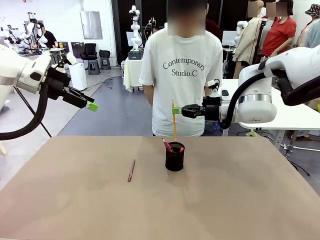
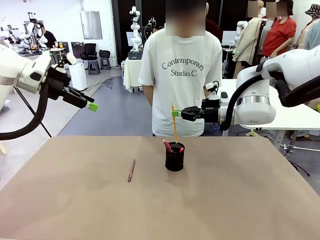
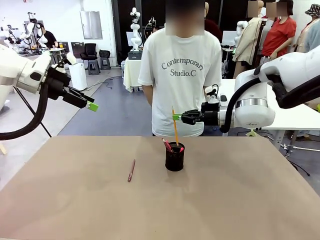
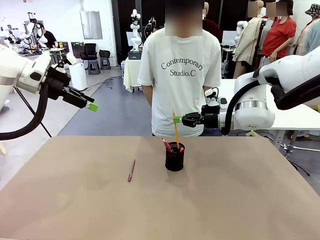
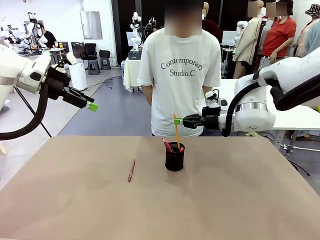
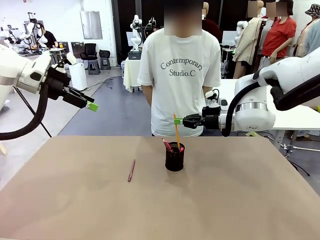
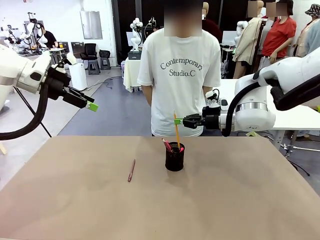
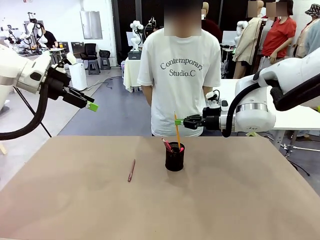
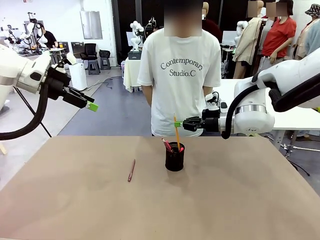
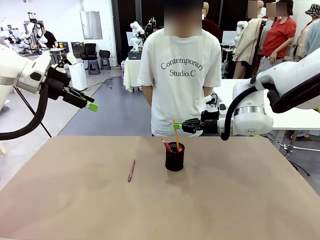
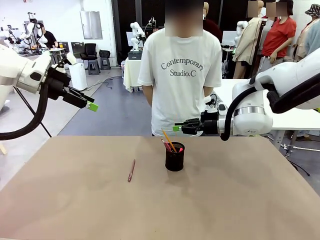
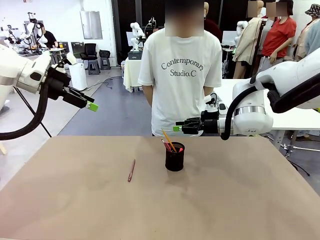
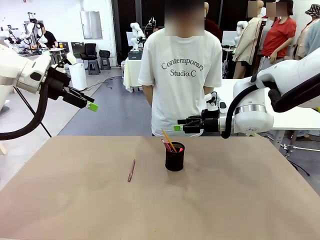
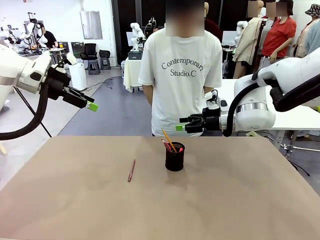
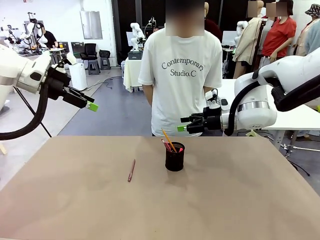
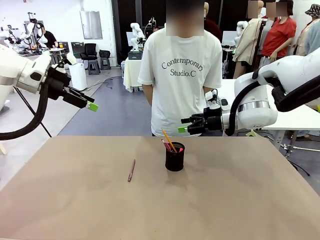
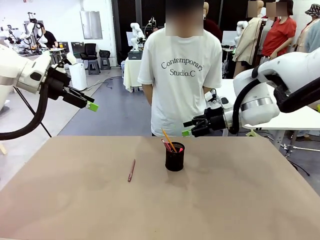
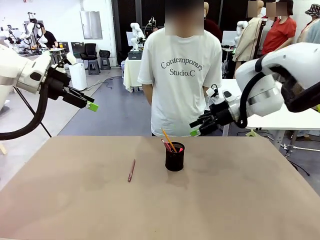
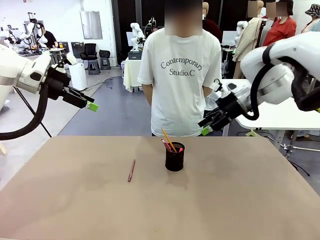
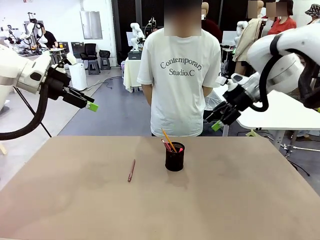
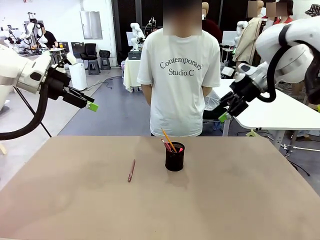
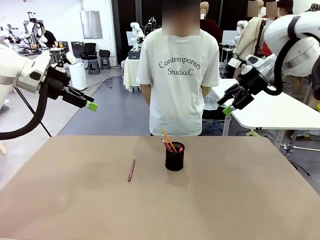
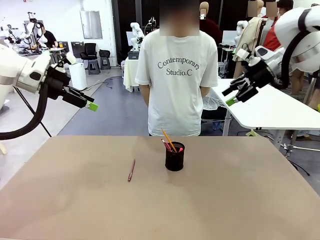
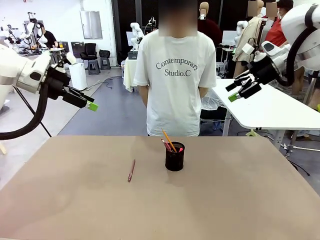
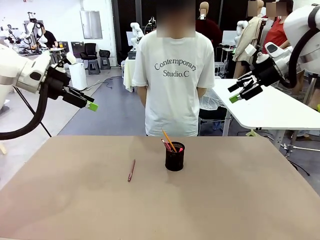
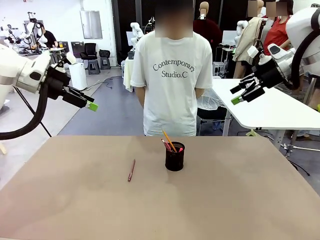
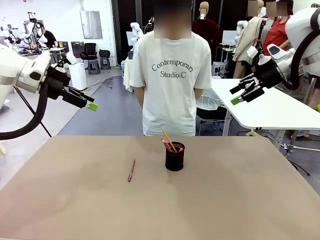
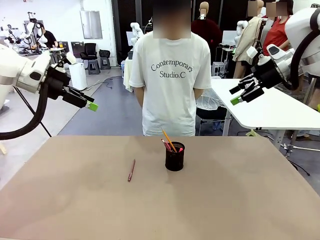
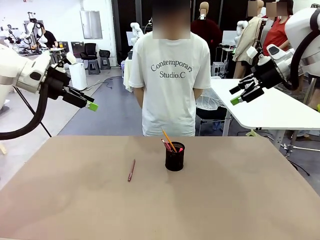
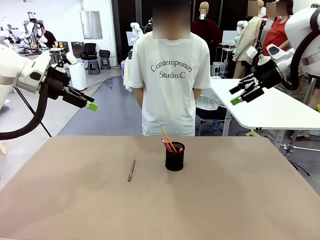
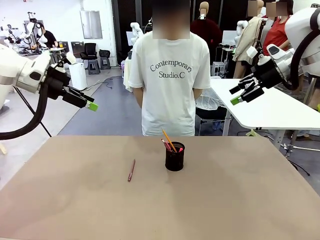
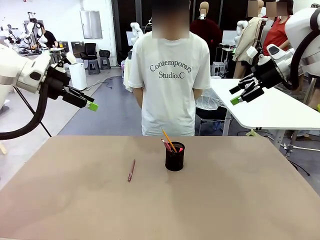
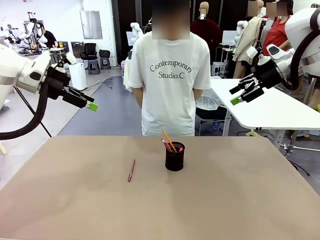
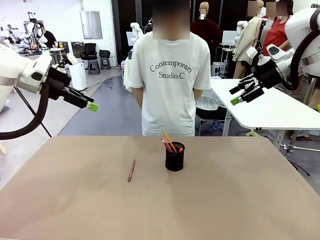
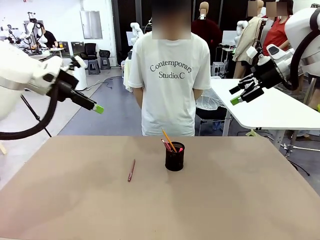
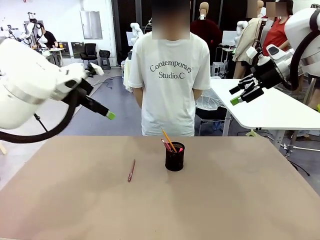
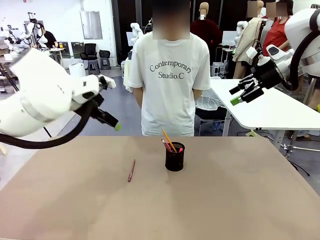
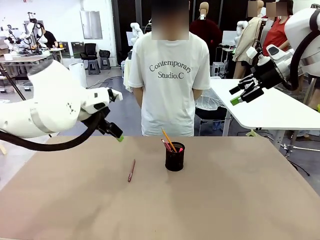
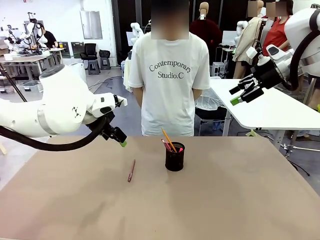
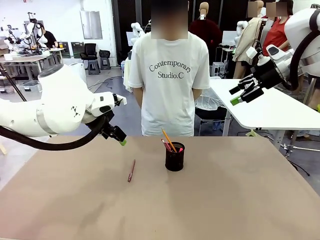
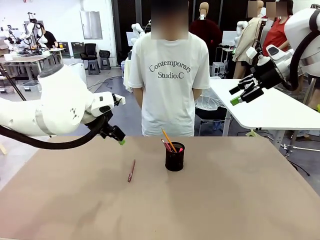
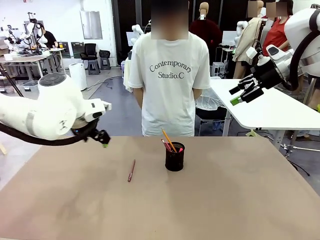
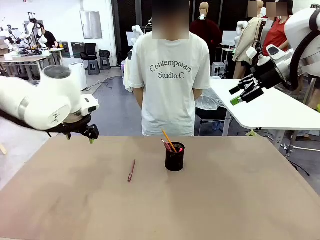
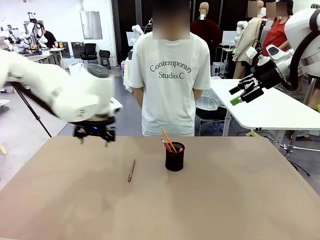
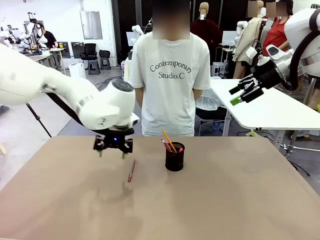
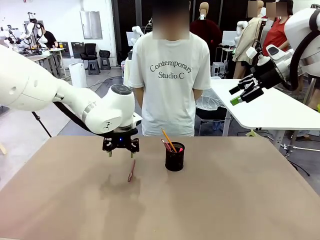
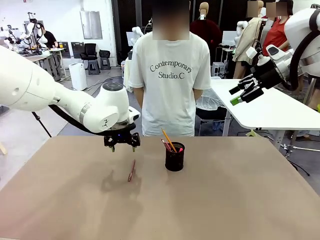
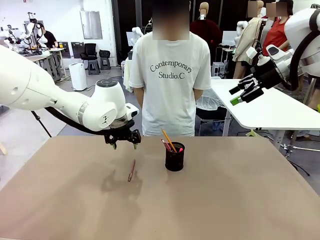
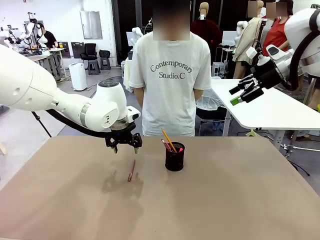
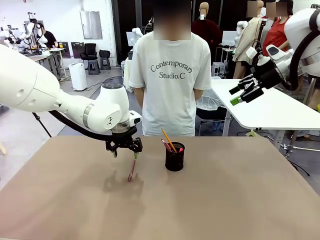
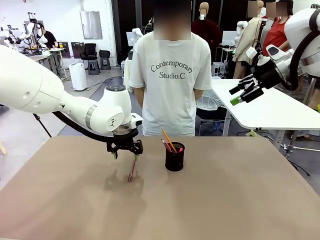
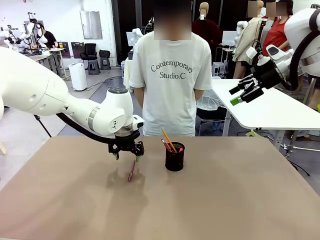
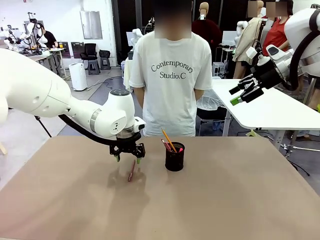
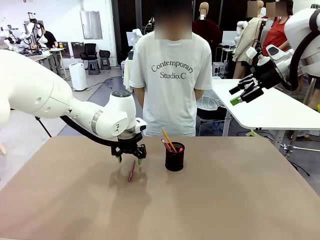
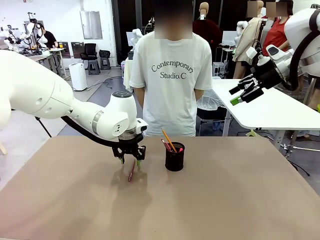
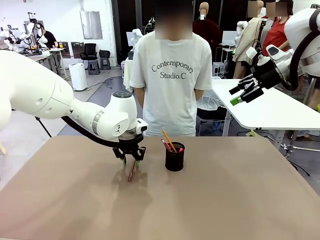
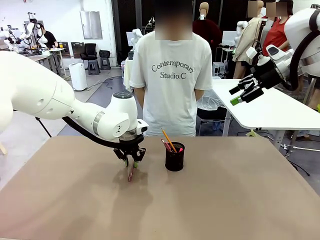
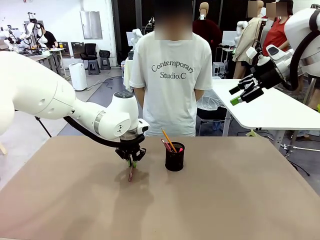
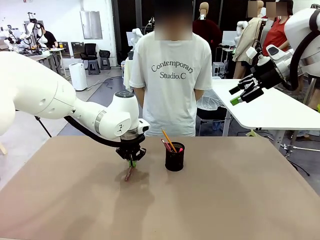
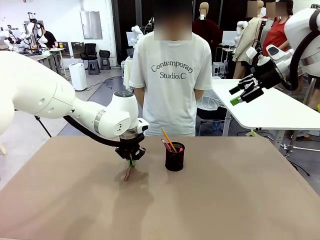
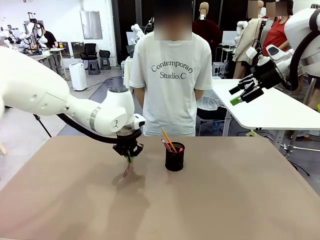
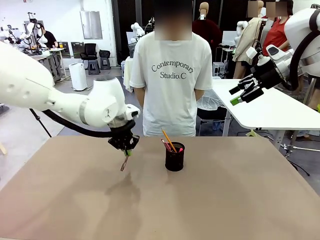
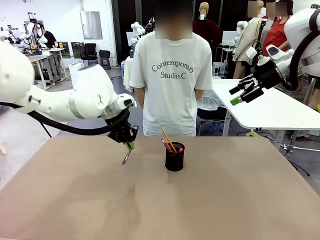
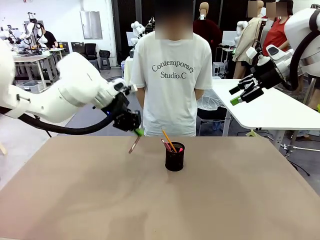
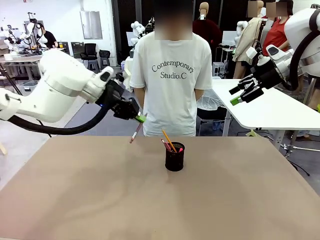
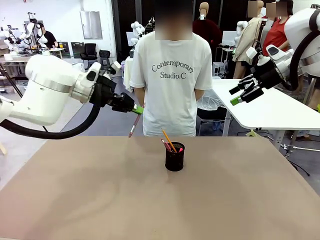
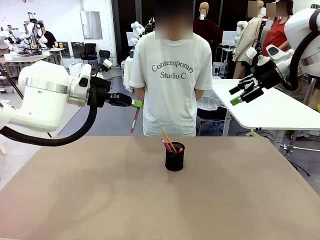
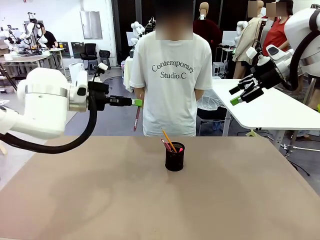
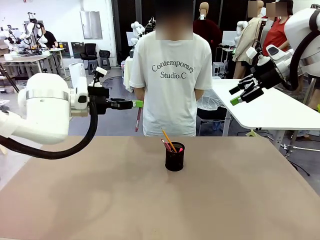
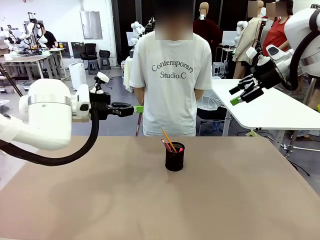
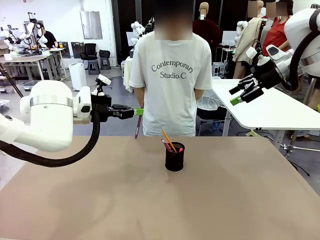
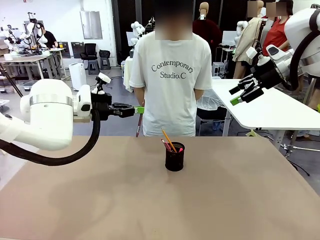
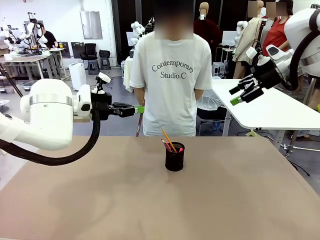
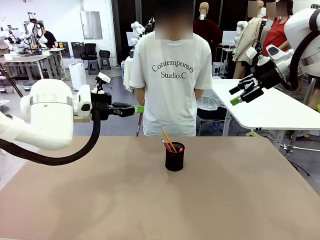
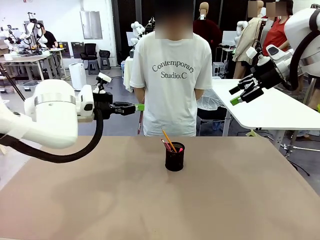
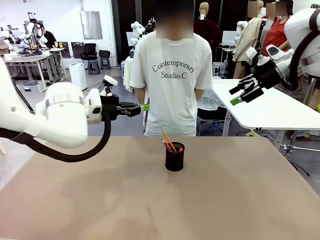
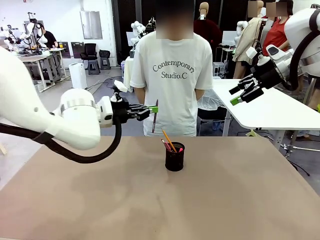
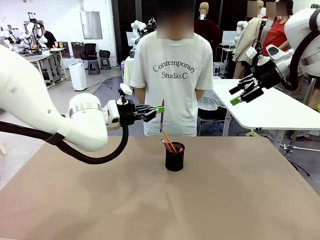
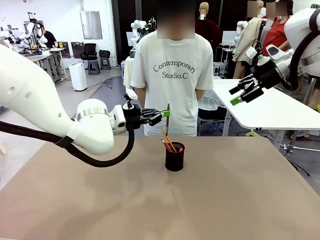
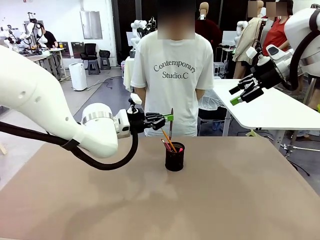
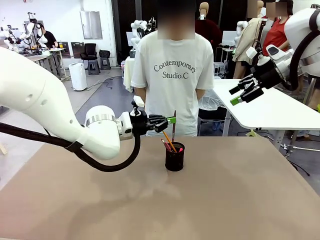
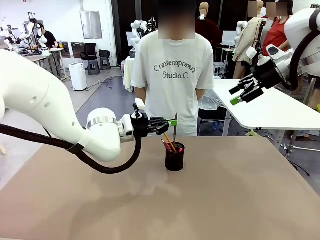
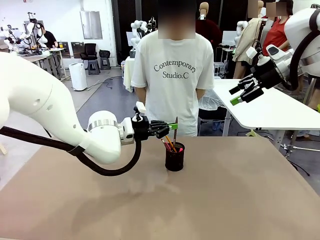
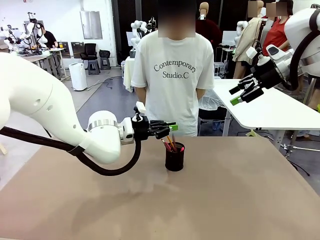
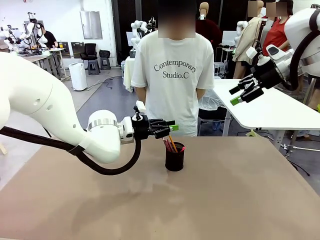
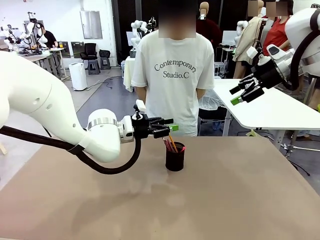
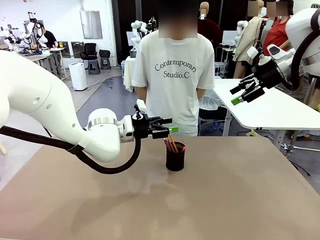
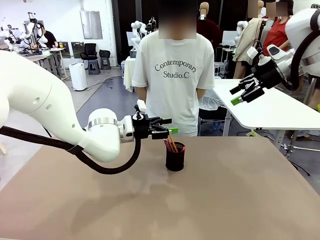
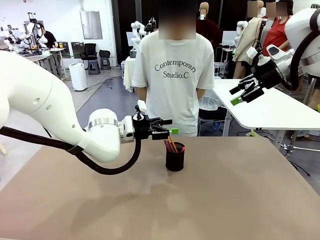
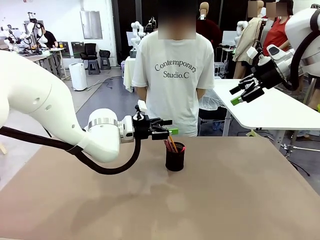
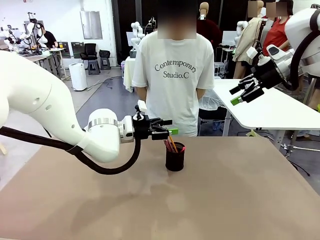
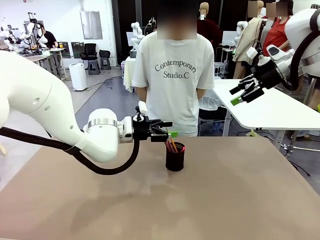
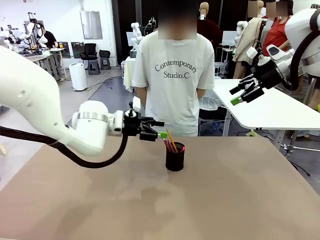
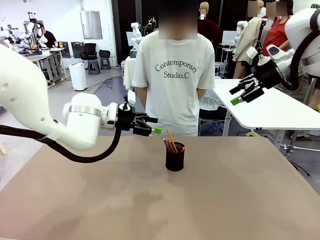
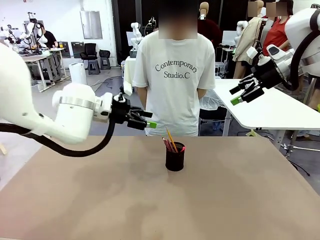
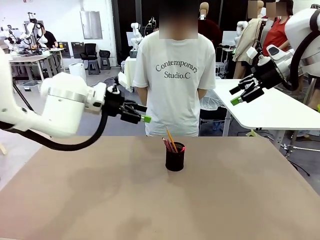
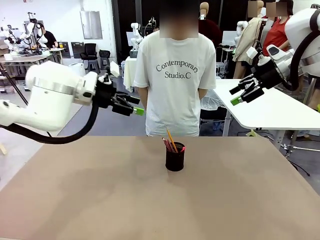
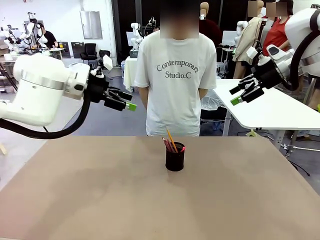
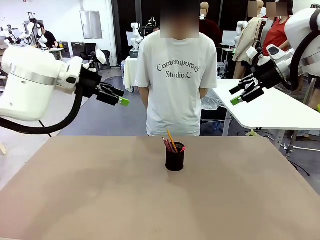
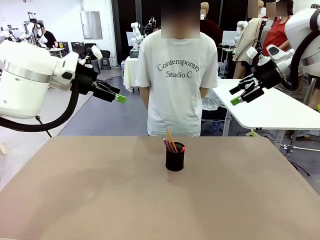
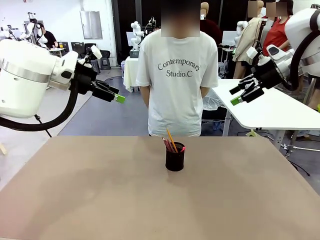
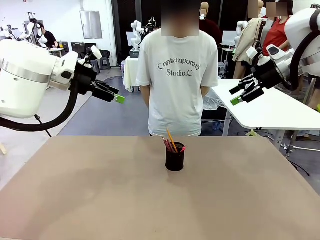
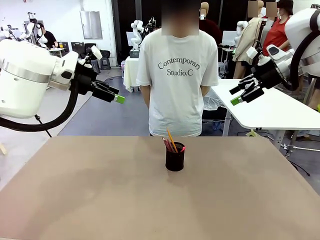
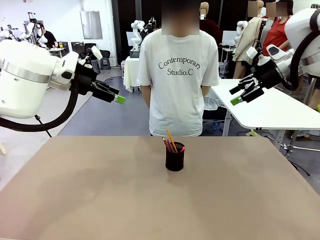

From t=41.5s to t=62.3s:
Task: Place the pens into the pen holder.
Robot: Pick up a writing instrument from the table and place it into the Pen holder.
